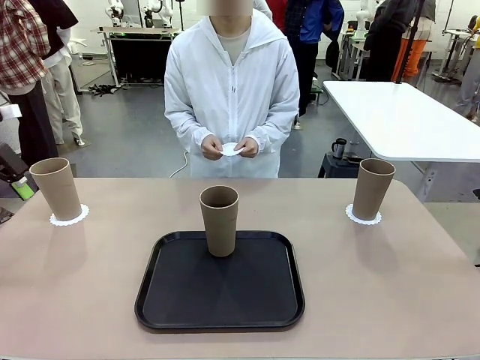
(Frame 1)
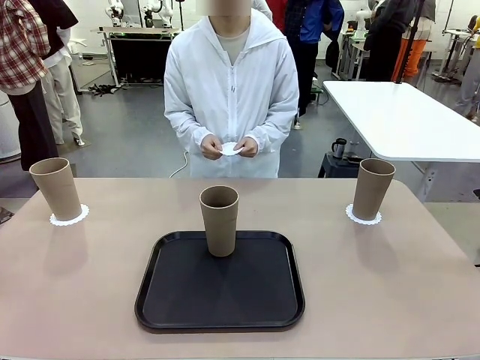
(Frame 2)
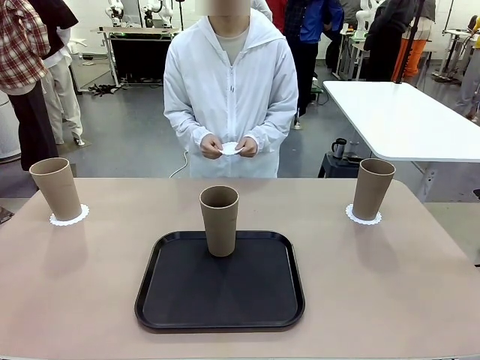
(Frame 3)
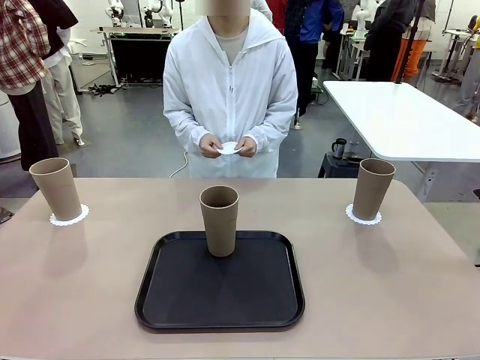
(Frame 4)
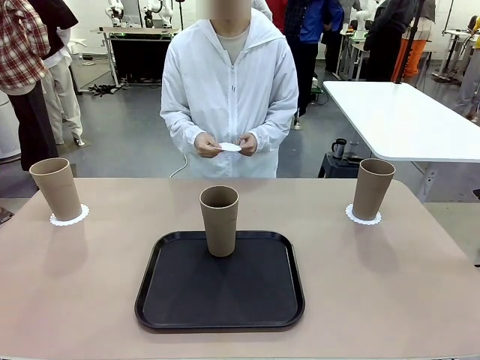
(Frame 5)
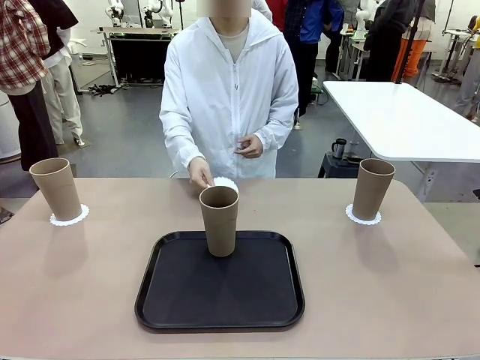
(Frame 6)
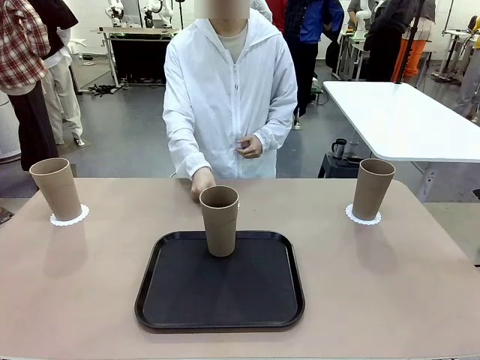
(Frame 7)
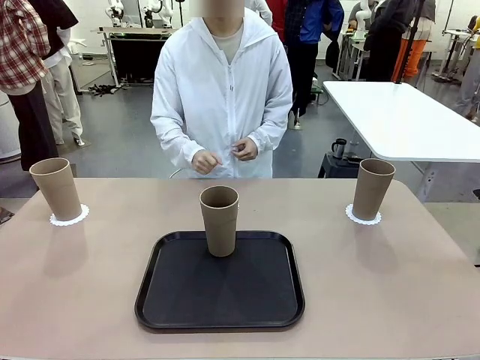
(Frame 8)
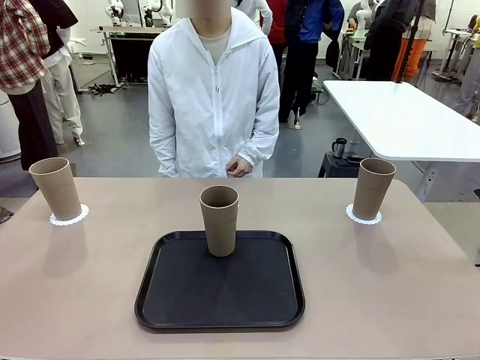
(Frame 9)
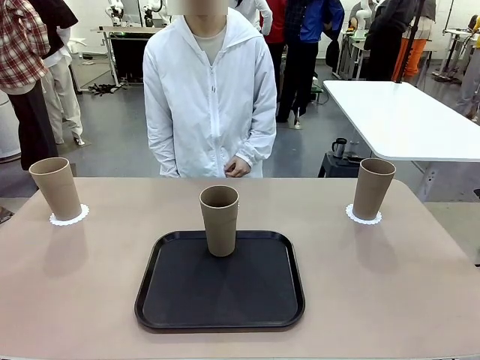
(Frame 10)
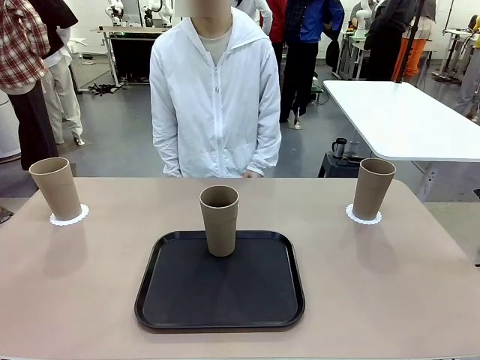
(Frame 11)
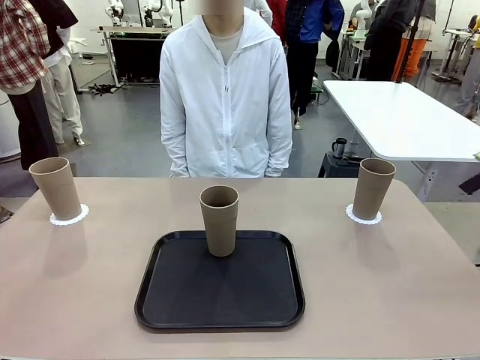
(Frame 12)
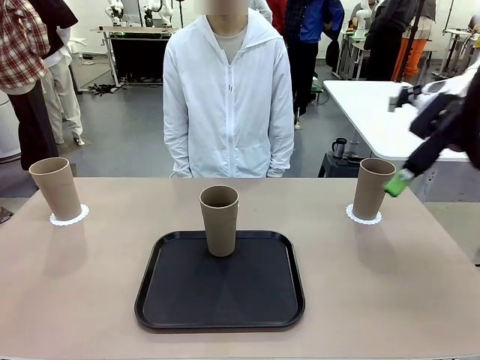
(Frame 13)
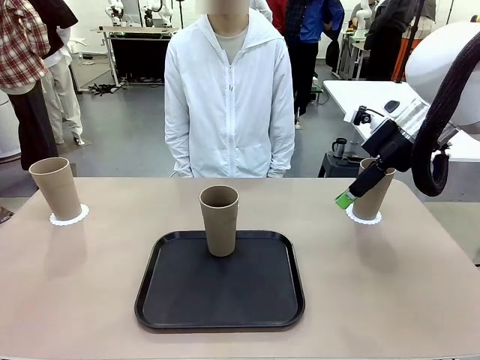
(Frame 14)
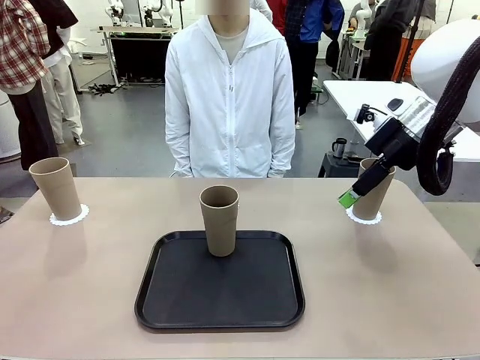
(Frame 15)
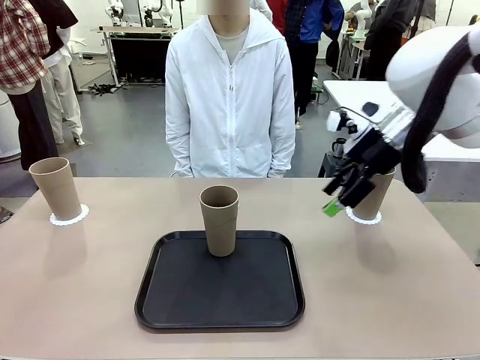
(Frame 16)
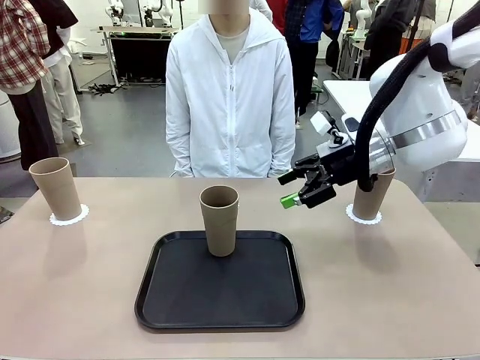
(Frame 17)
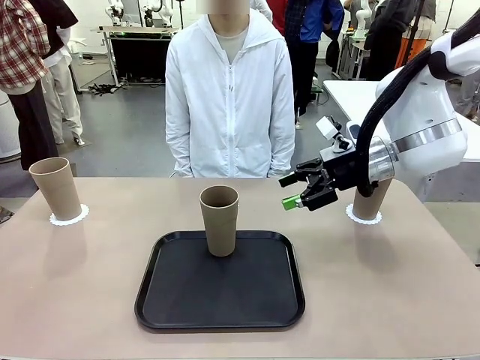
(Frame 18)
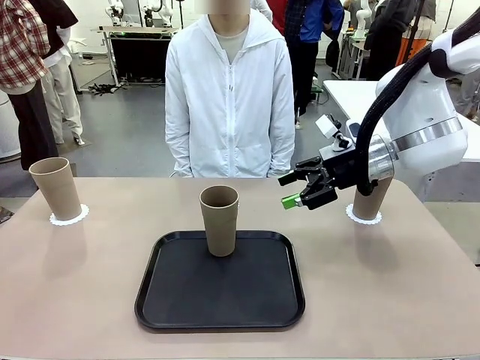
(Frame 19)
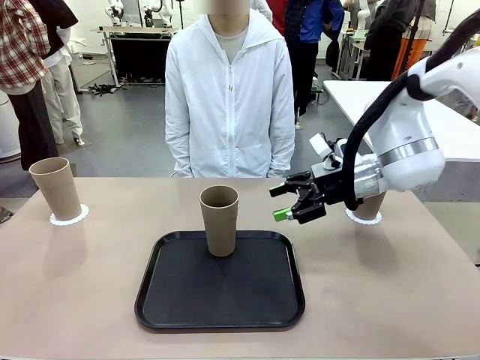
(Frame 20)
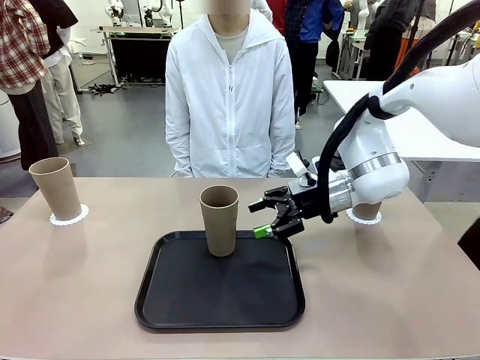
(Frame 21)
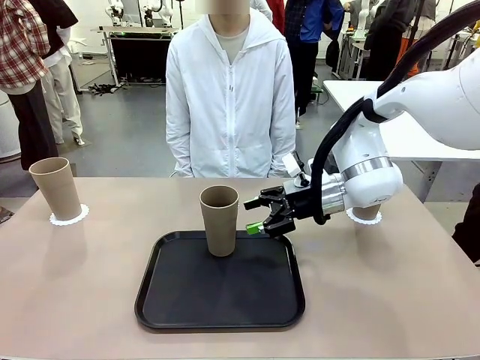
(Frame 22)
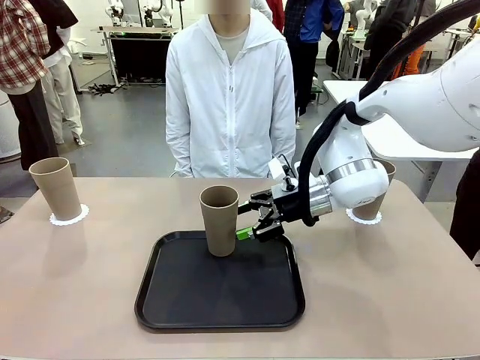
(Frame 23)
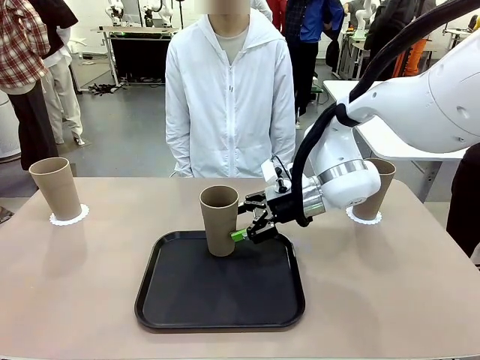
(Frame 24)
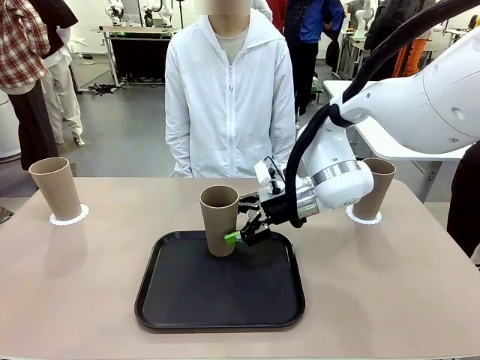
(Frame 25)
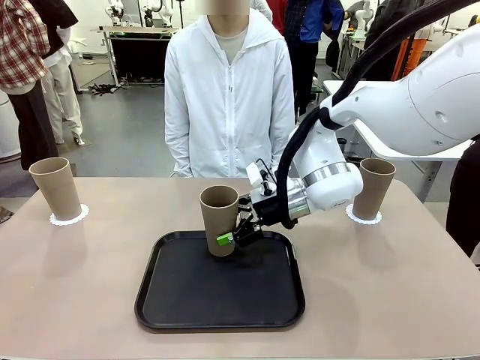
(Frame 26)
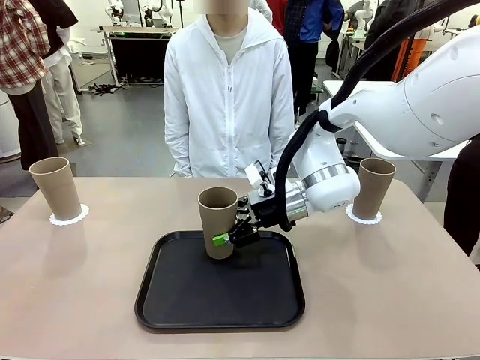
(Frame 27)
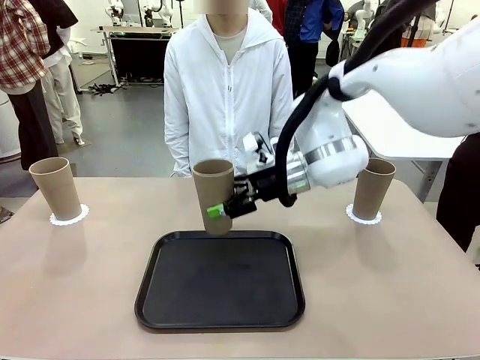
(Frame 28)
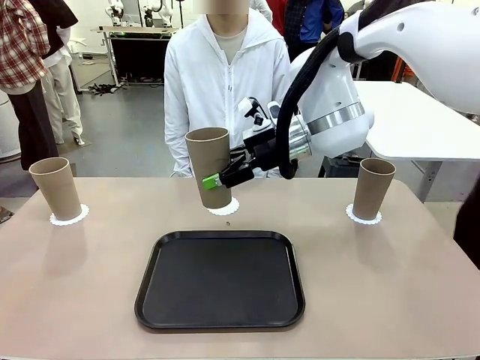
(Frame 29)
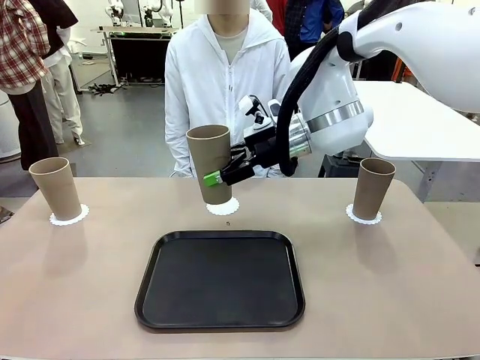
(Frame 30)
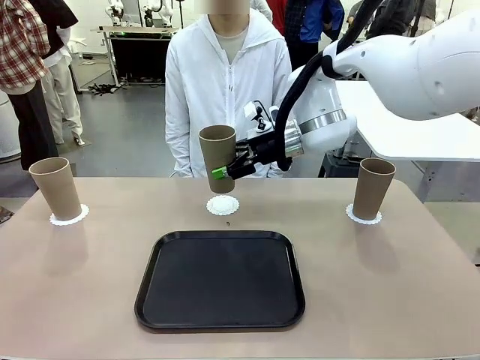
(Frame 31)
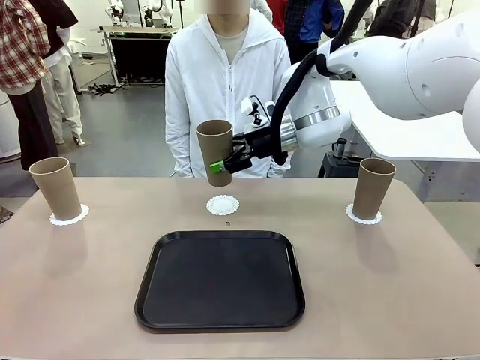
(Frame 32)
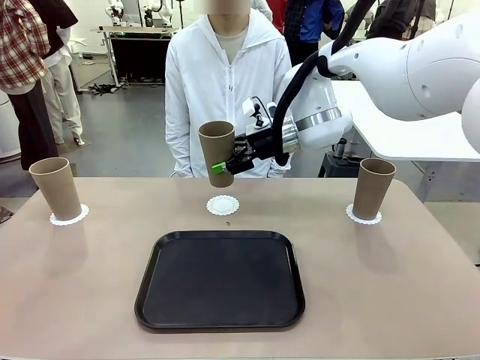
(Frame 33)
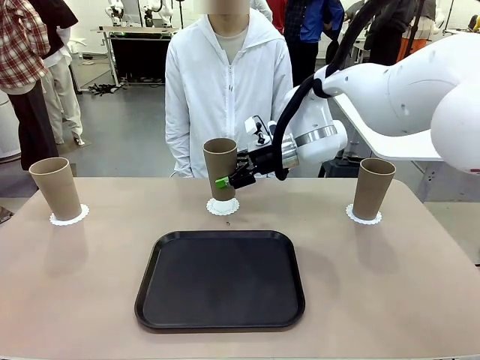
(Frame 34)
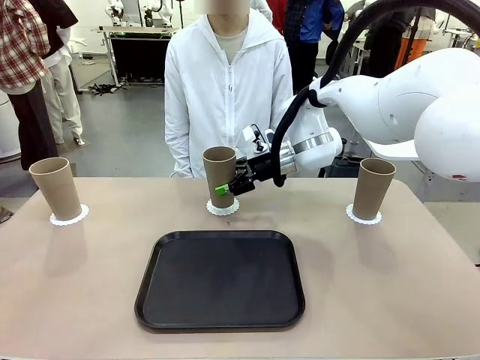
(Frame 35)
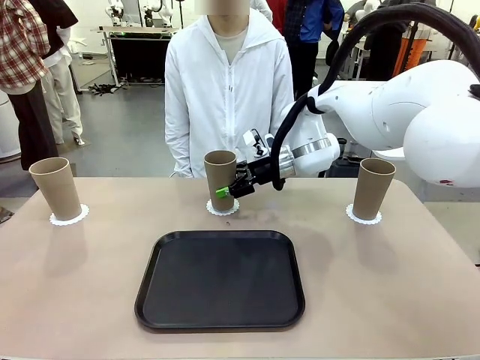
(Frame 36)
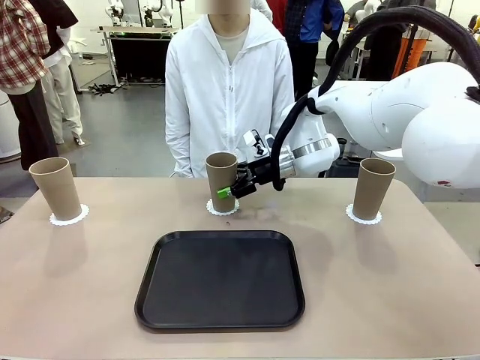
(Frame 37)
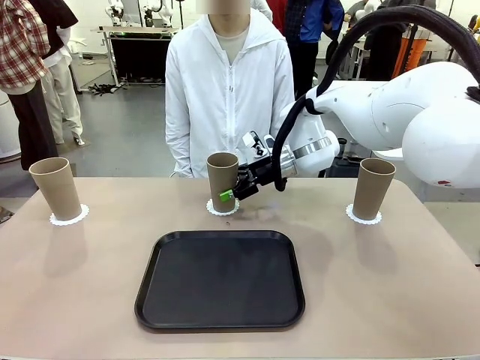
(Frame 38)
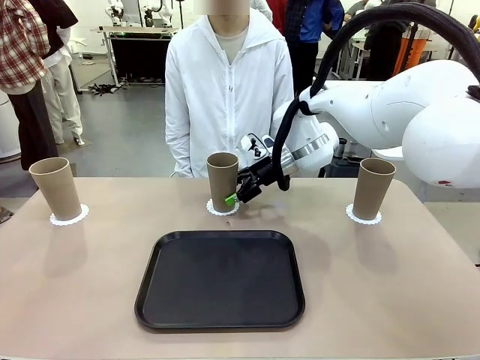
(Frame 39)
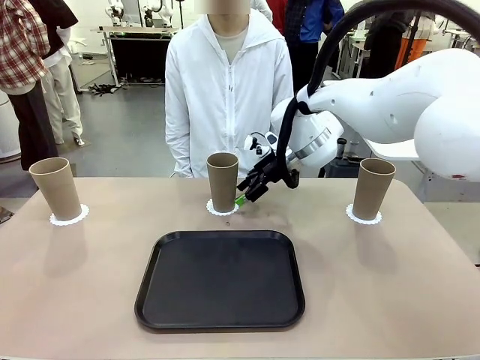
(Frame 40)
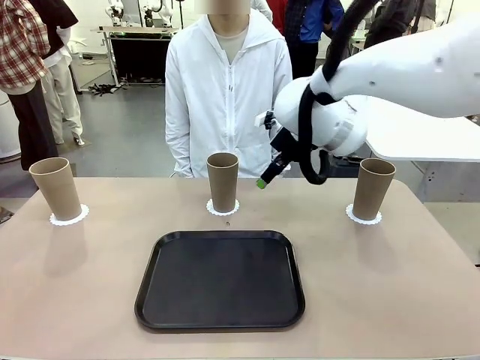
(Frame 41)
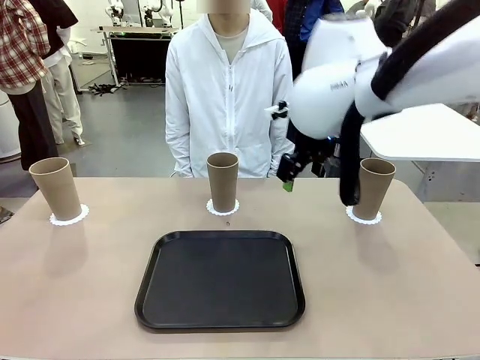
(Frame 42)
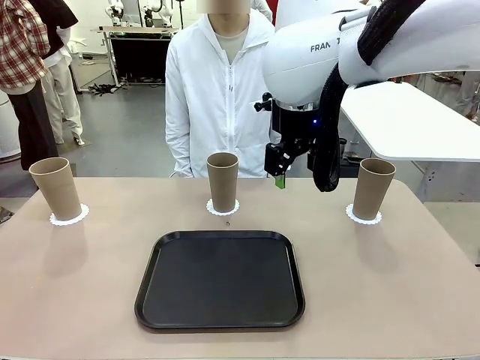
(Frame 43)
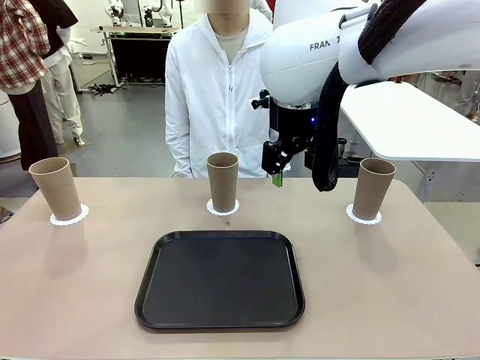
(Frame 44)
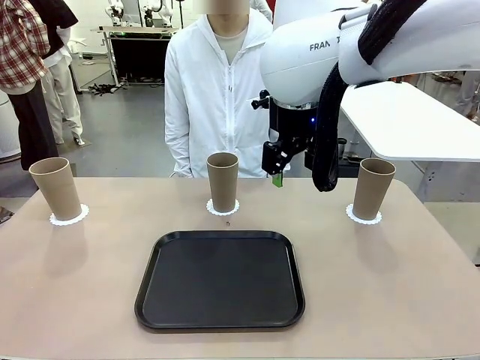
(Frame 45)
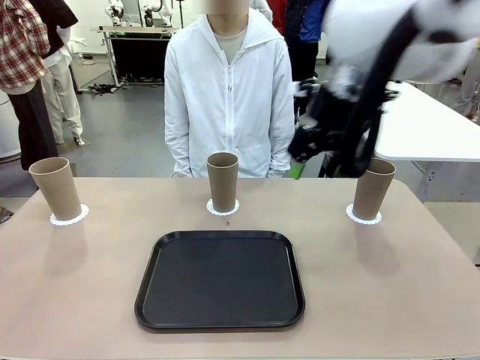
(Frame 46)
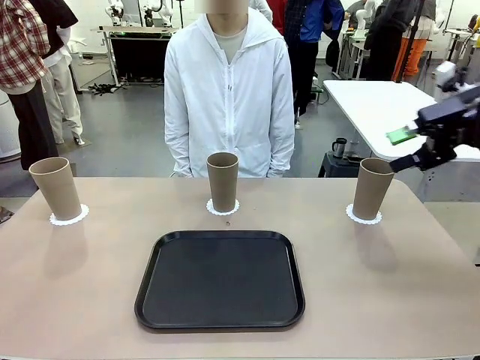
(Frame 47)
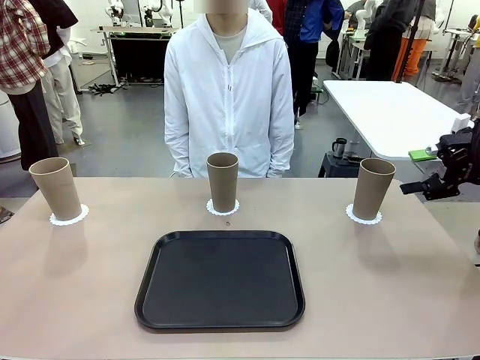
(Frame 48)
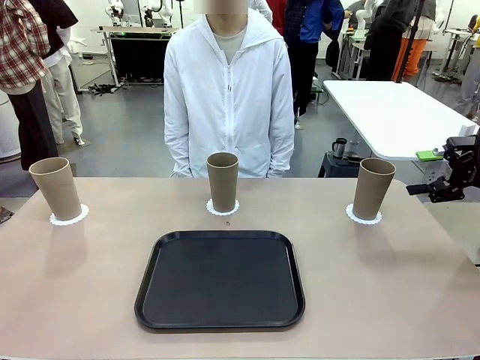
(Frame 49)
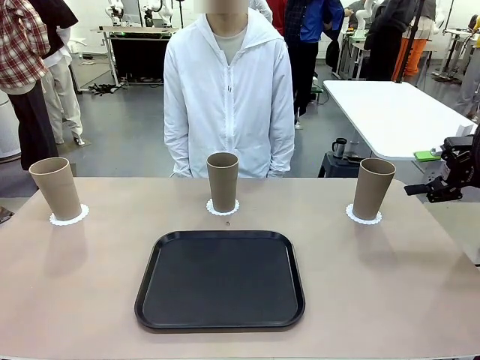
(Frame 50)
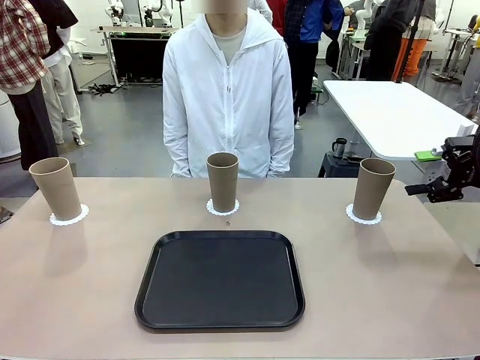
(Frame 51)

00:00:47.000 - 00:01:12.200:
Task: Place coasters on the table and set cups on them.
Robot: Take one Reusable plastic cup from the Flat Tray and place it on a coaster set by the human.
Person: Place one coaster in the only remaining area.
